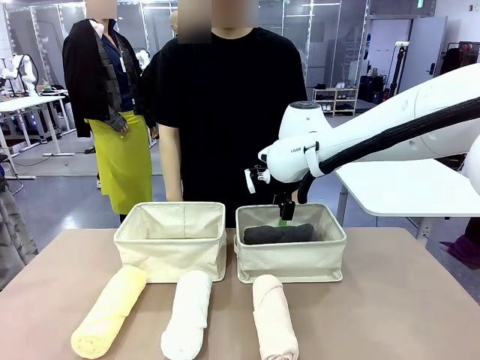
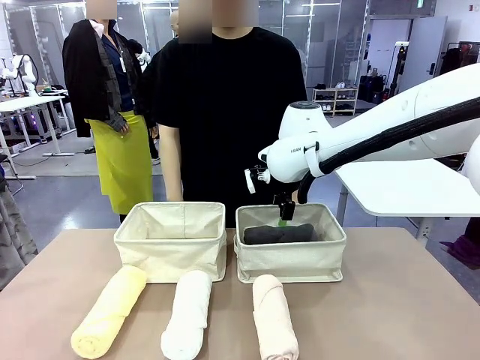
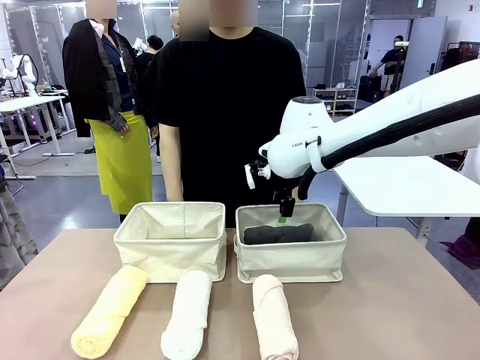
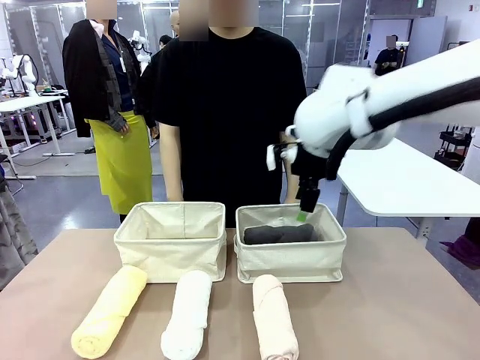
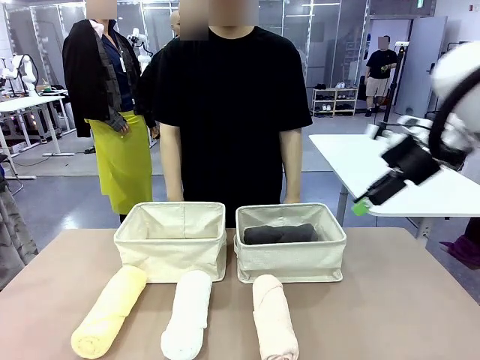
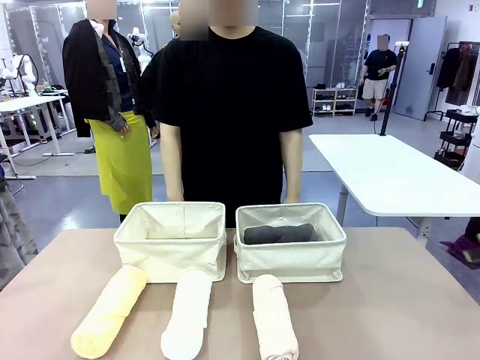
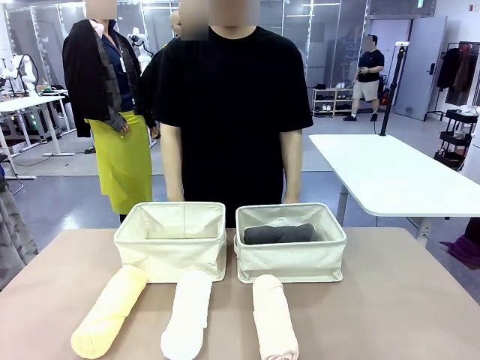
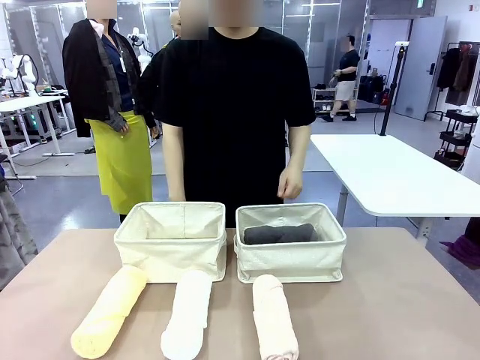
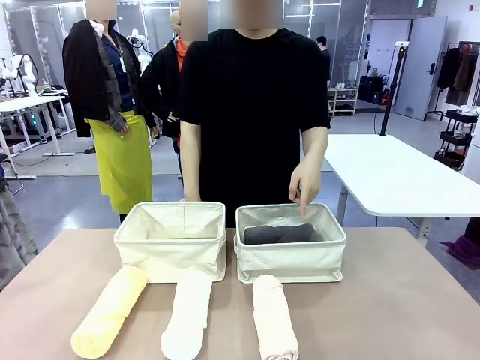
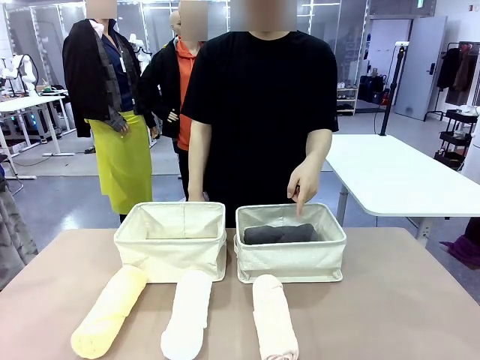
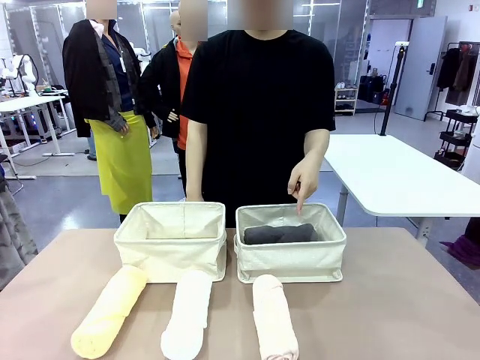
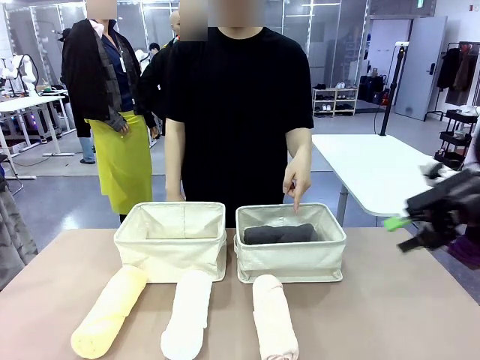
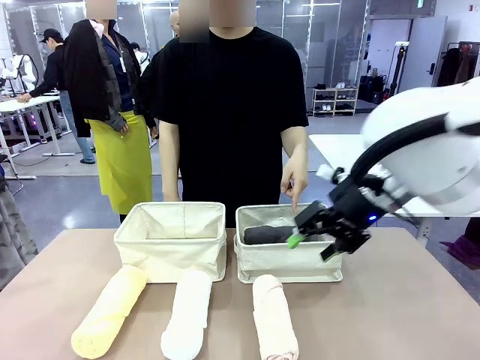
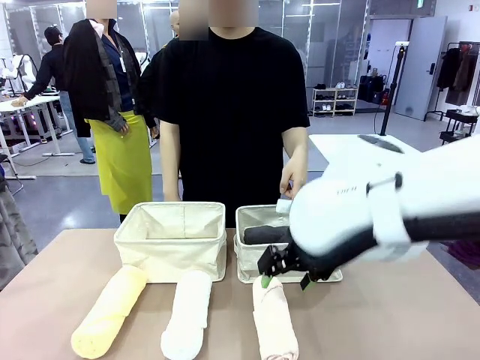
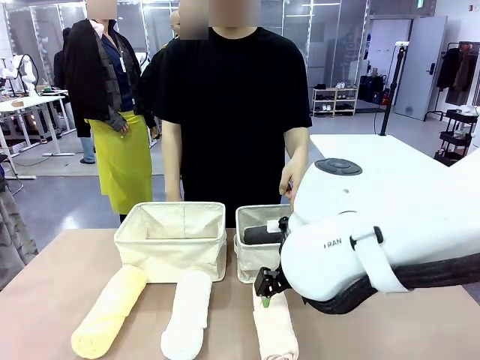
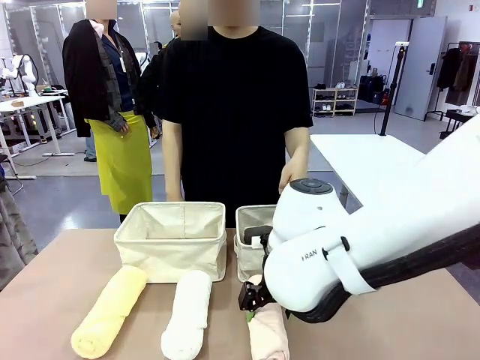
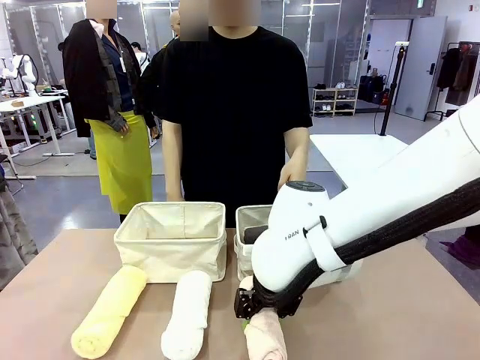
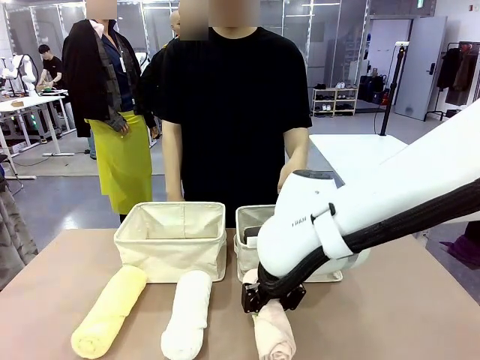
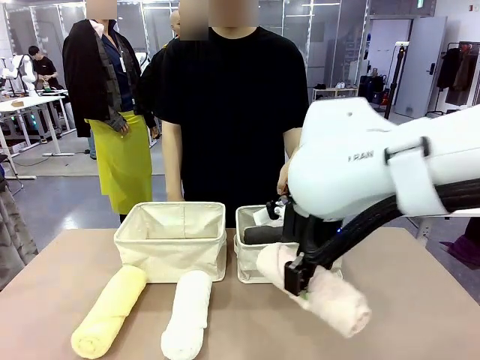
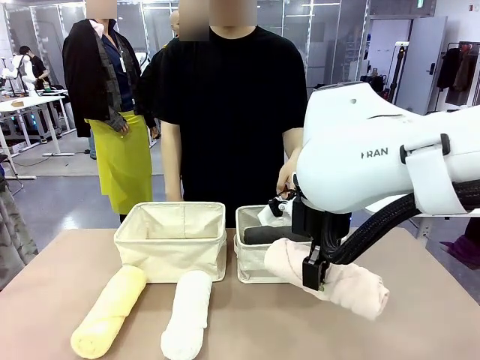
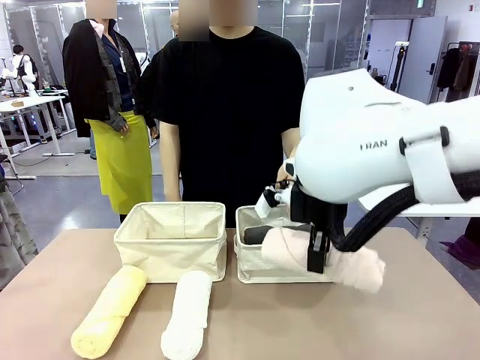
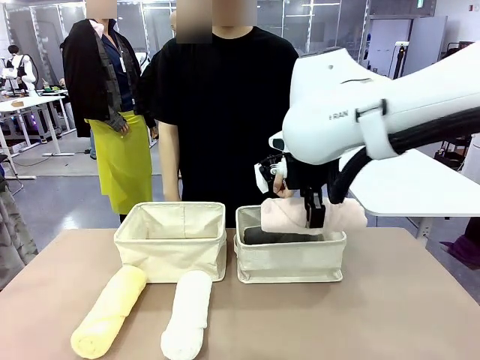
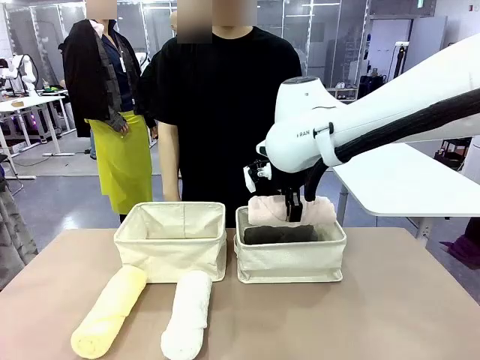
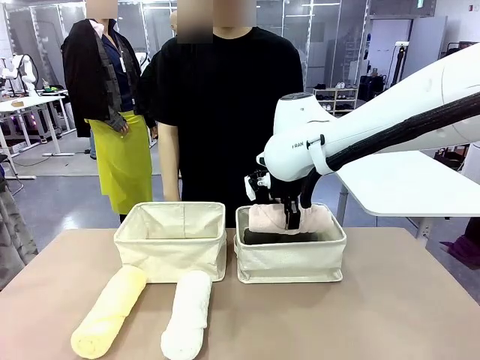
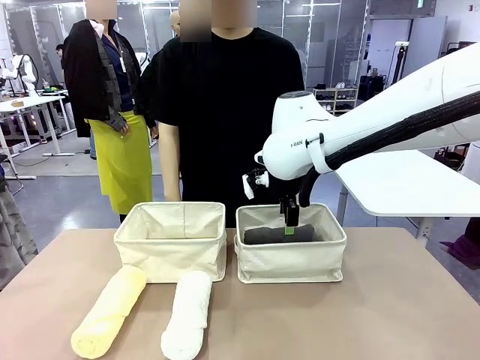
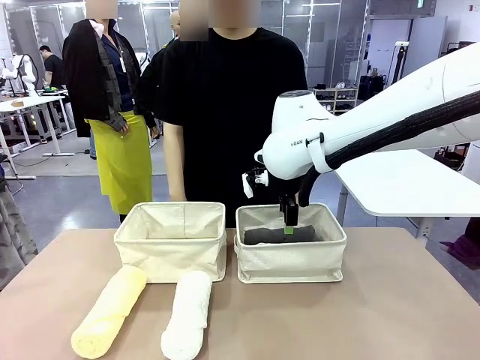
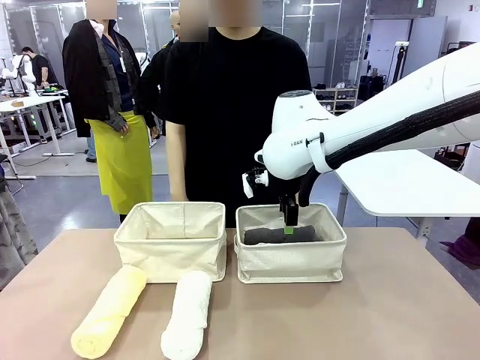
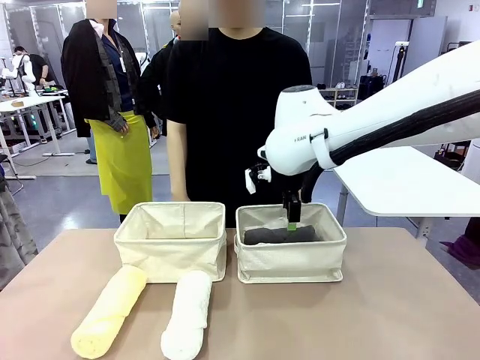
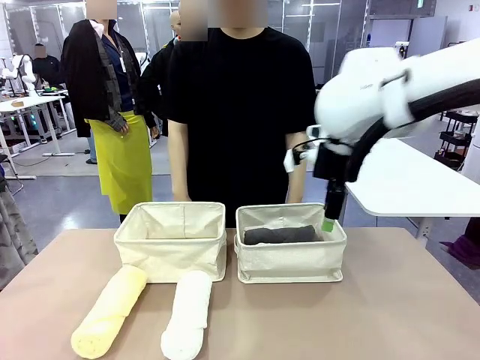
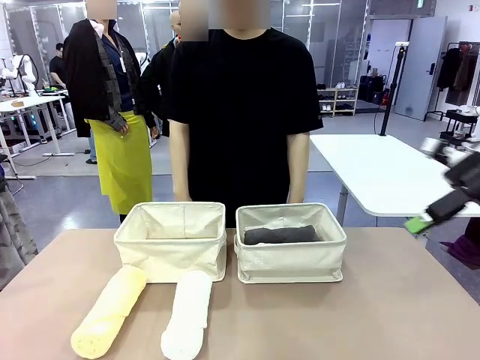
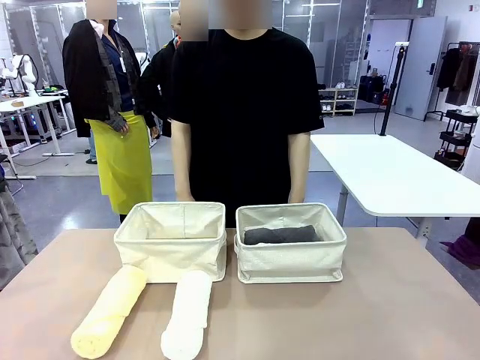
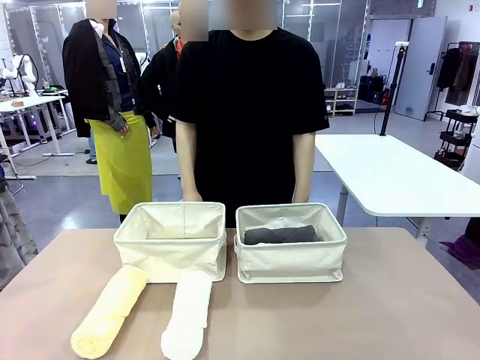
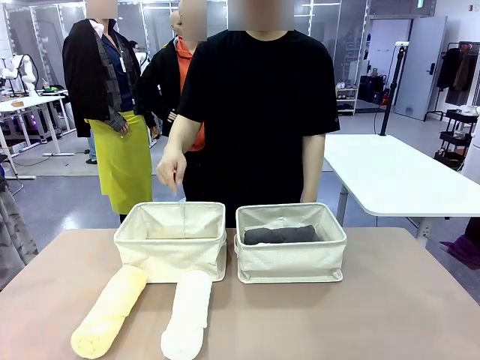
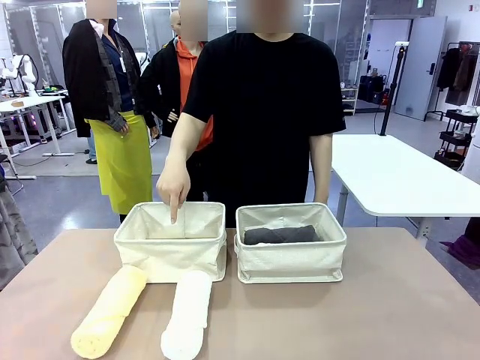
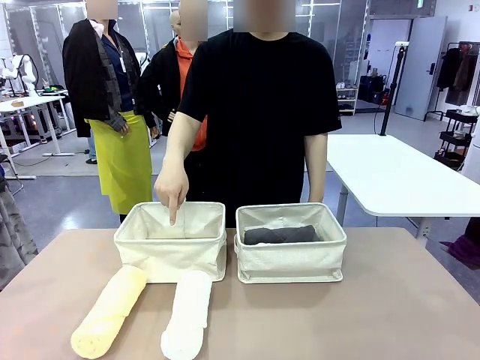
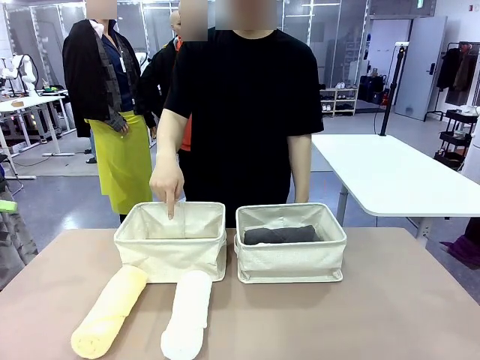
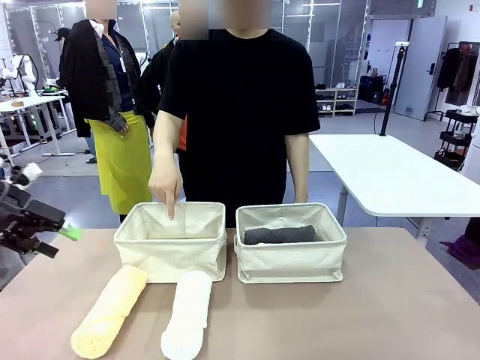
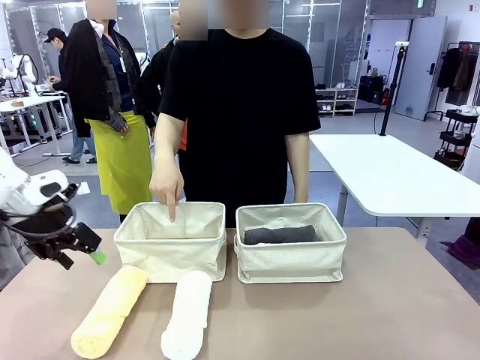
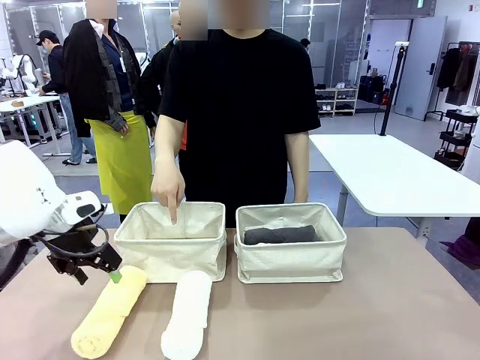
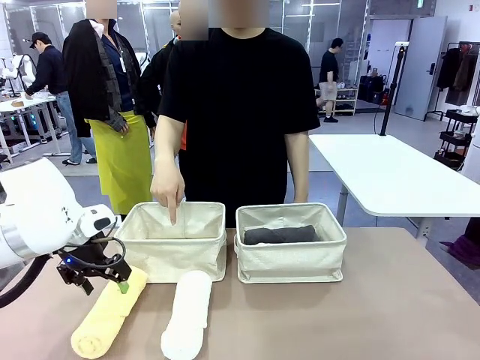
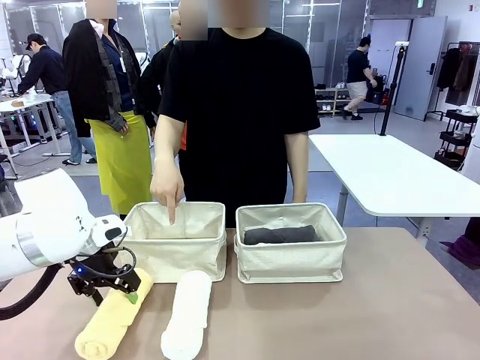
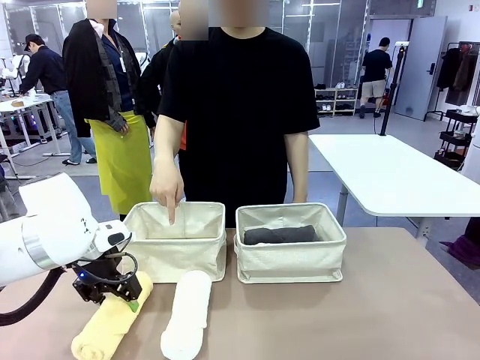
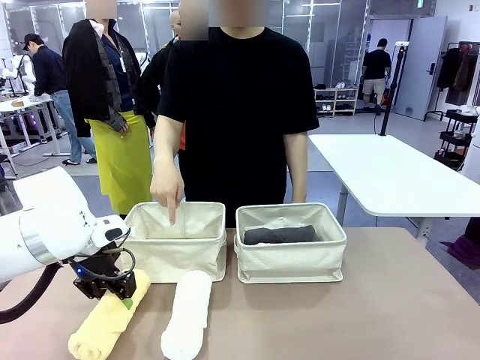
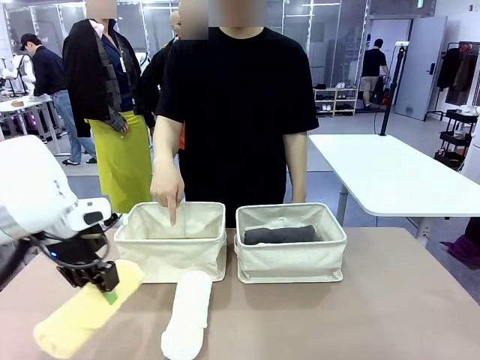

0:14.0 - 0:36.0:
Task: Divide the towels into two baskets.
Robot: Pick up one hotel-folded towel from the bottom of the table and place it in the Fabric basket indicated by the person.
